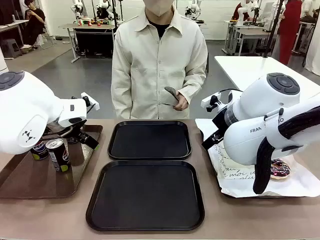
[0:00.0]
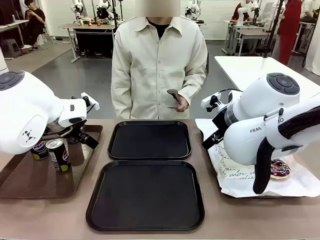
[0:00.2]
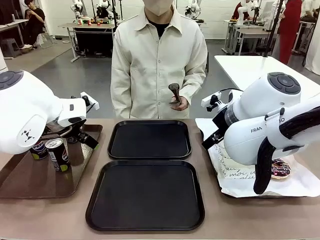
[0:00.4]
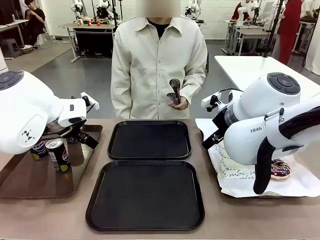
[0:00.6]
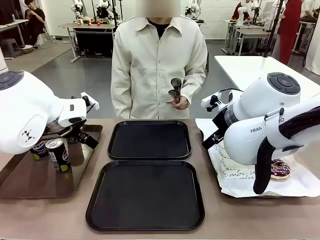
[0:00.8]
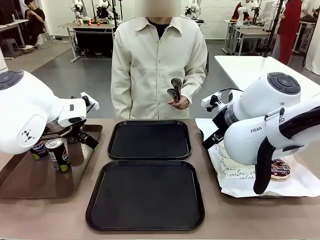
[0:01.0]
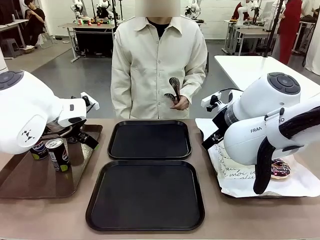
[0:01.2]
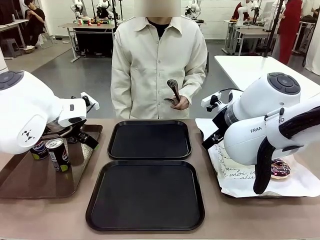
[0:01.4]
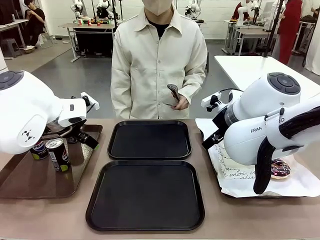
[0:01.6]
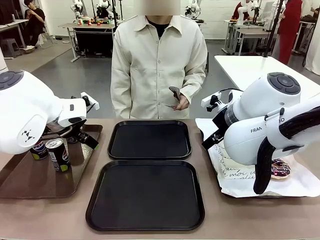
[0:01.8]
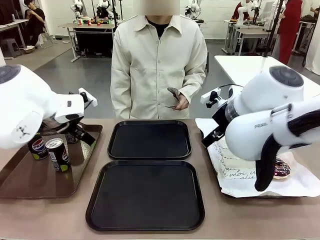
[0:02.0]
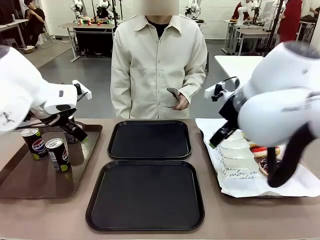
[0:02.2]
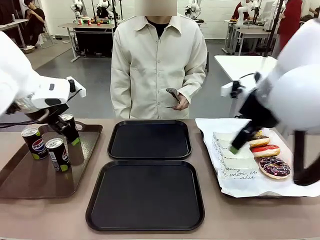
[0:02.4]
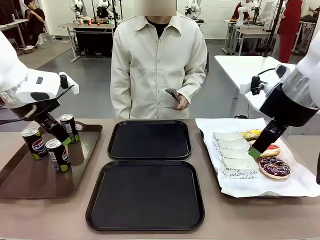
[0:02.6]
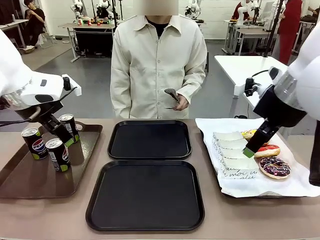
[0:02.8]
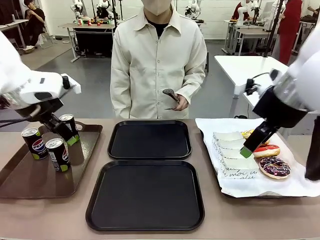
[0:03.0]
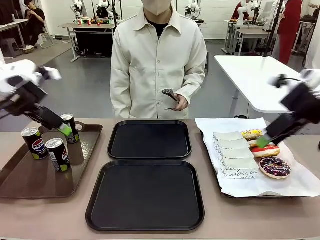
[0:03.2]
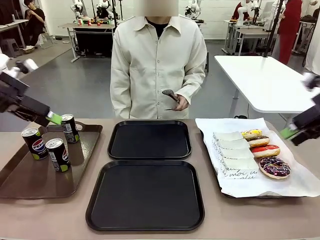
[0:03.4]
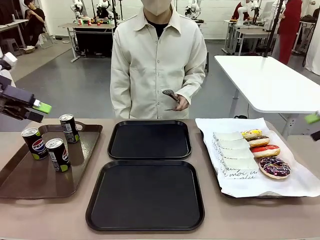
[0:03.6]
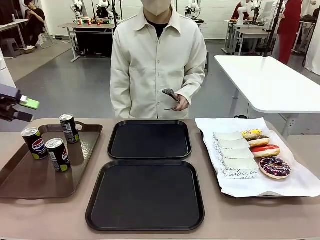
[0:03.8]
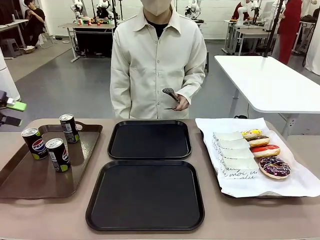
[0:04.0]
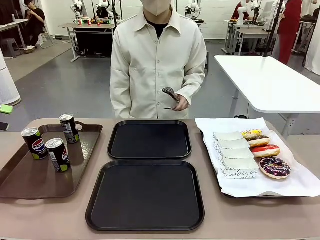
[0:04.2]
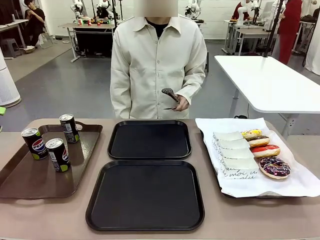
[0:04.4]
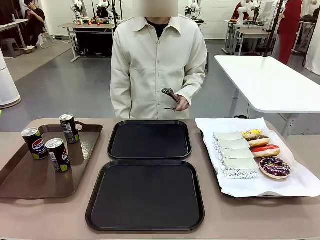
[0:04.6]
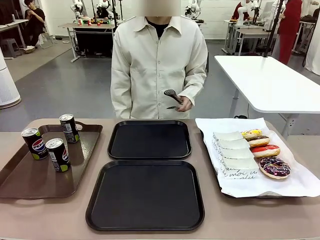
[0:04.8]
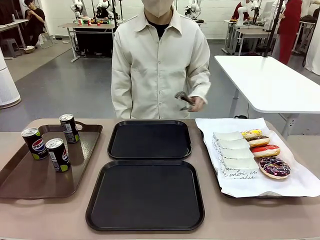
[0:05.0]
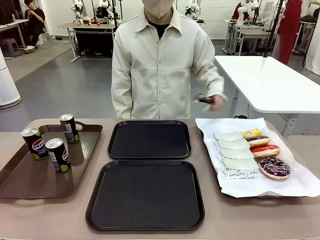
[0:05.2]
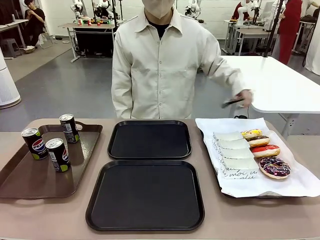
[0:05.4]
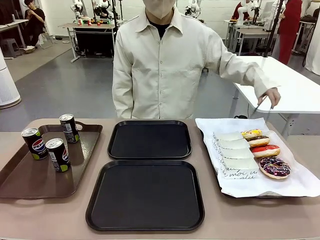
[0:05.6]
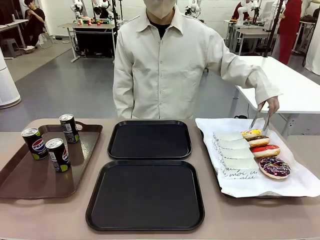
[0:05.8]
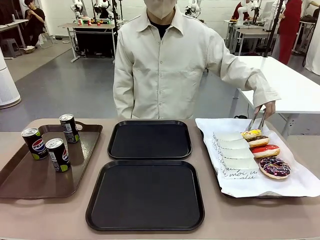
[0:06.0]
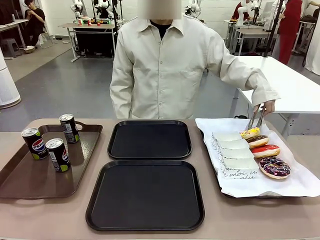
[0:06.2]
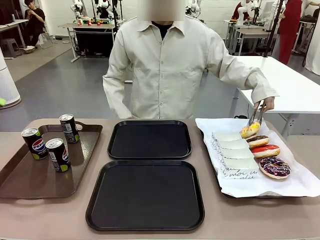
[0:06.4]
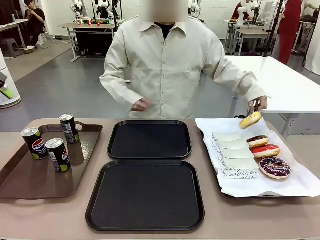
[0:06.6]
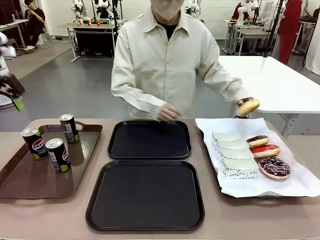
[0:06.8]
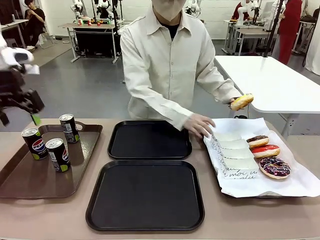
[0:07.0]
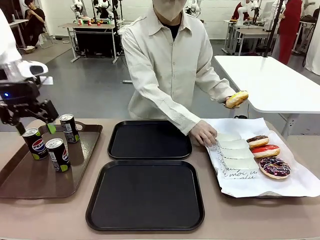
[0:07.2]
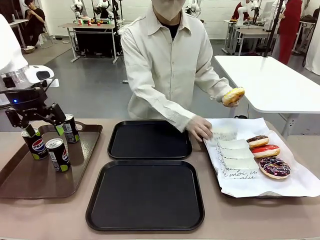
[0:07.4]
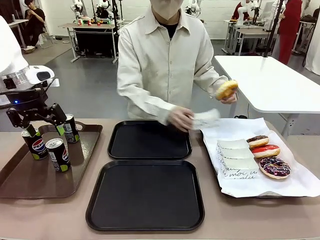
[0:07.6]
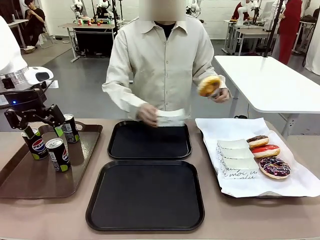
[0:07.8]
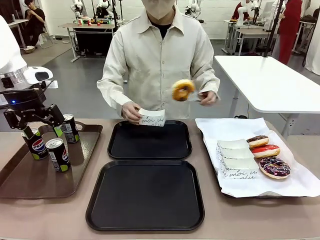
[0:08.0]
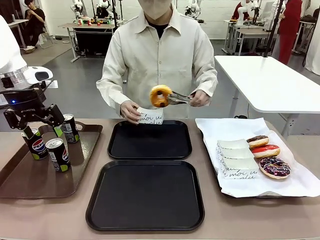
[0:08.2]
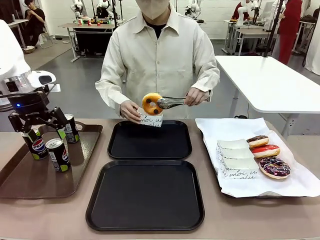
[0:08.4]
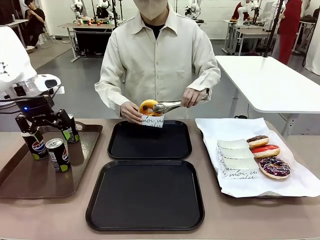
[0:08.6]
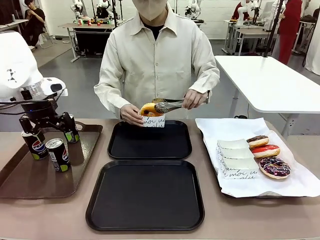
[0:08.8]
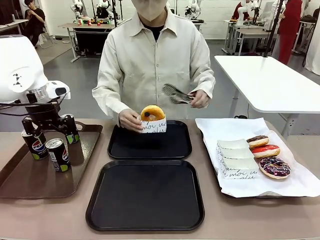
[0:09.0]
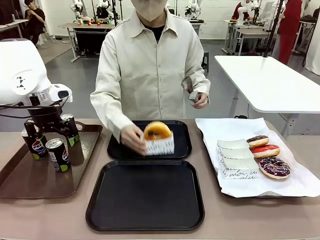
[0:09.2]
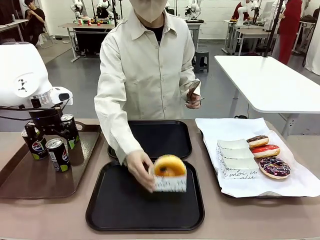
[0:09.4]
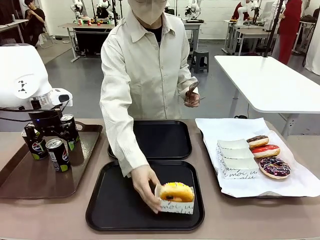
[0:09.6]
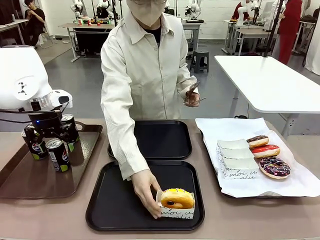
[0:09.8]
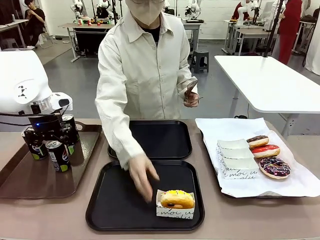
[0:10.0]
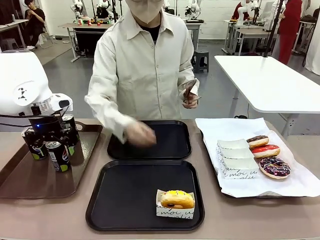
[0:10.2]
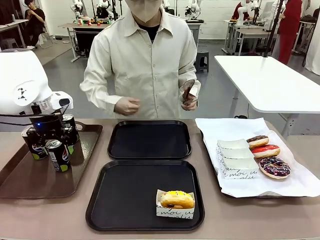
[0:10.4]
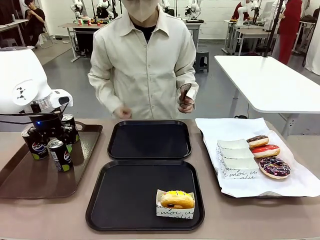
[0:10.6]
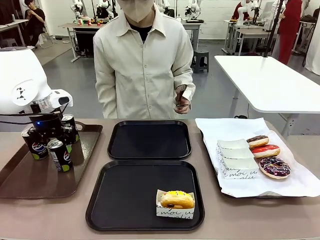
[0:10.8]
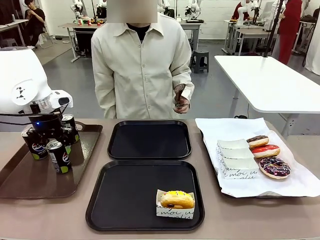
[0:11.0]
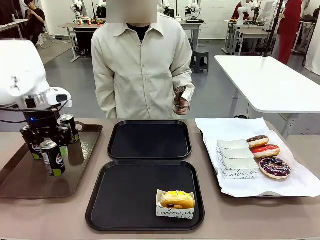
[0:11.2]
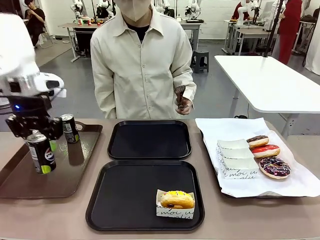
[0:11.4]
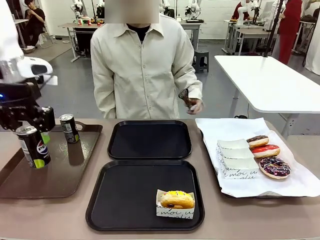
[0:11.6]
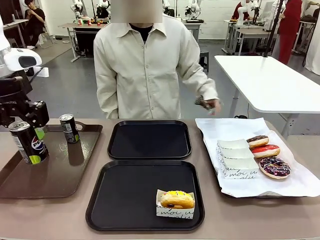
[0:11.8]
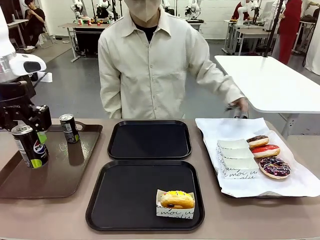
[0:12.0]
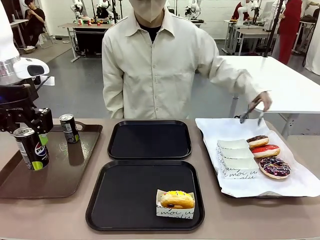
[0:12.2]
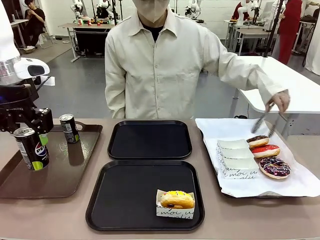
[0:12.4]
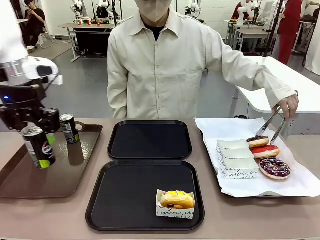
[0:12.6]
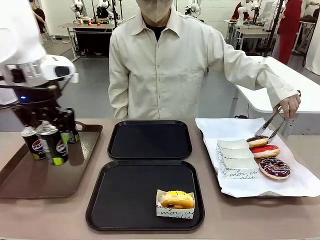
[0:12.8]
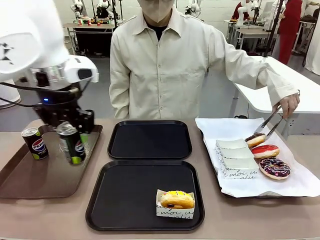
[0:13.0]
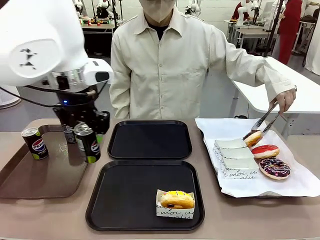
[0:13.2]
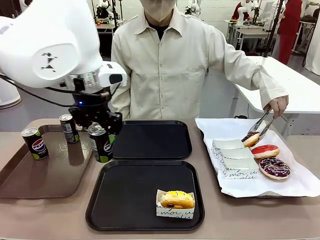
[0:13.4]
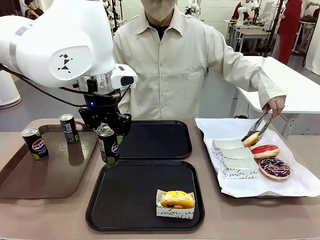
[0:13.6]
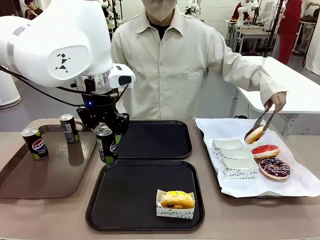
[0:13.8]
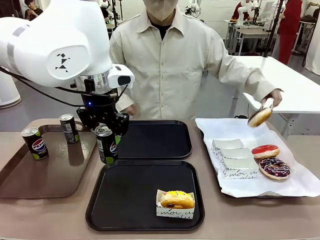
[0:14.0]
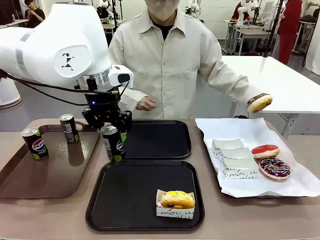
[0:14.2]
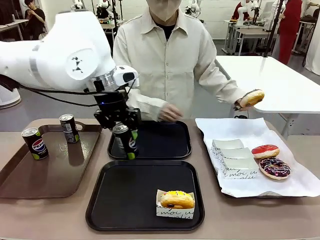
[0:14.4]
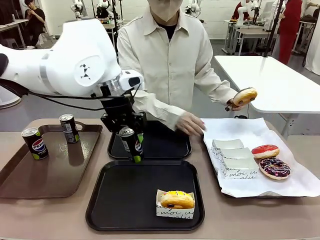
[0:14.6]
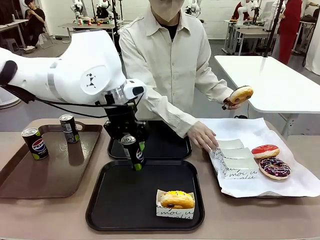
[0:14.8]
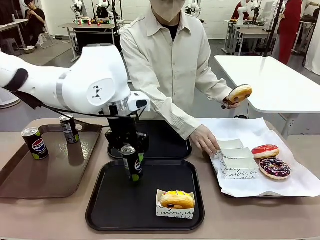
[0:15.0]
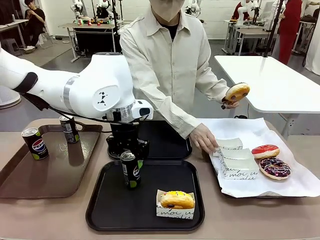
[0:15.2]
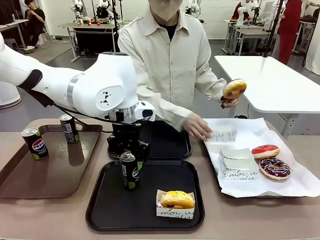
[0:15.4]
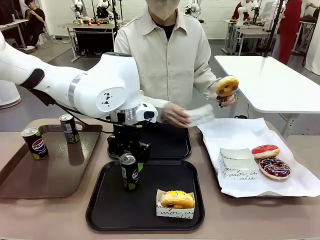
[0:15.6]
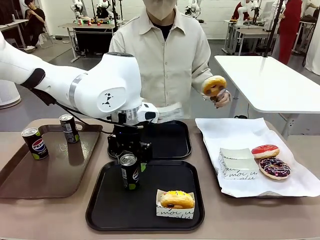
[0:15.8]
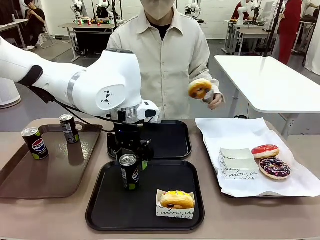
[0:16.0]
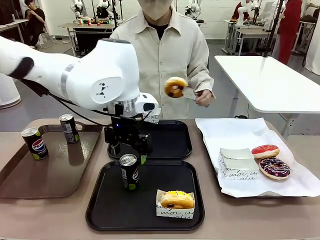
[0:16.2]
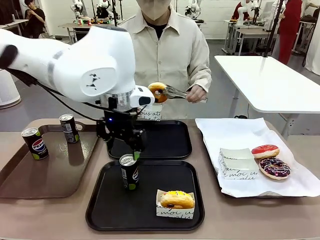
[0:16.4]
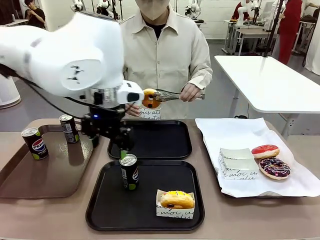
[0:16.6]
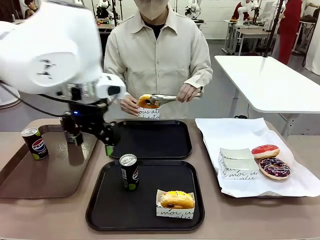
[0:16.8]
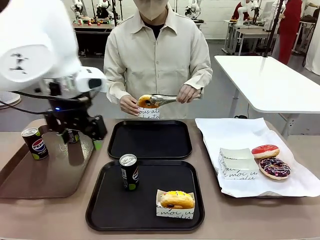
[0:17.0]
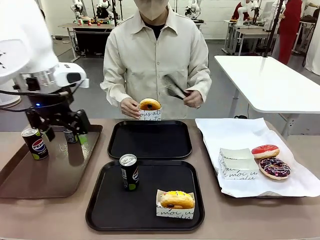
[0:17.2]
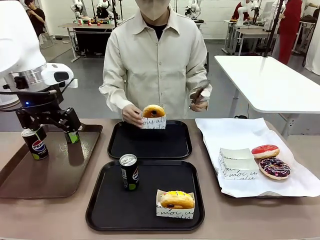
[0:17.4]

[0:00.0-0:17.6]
Task: Set up donuts and drinks on trays.
Robot: Pick up one Pepsi coke and place it on the Flat Tray.
